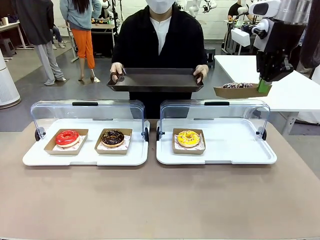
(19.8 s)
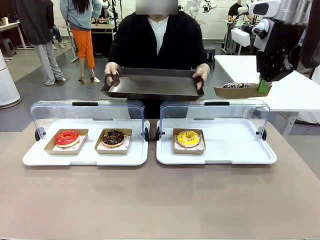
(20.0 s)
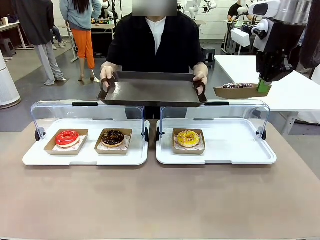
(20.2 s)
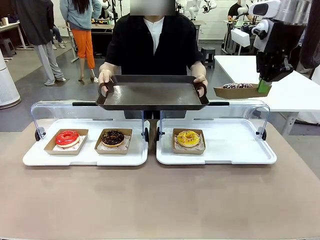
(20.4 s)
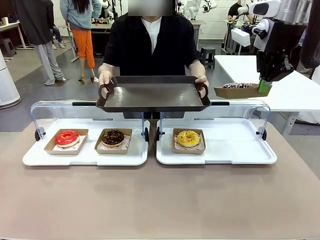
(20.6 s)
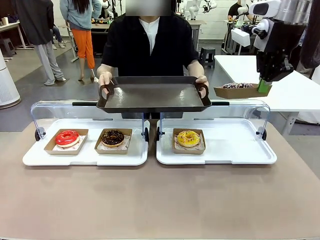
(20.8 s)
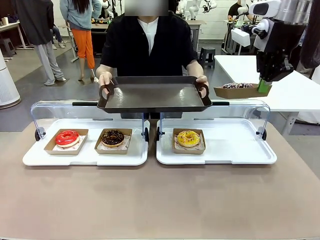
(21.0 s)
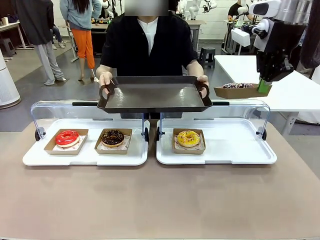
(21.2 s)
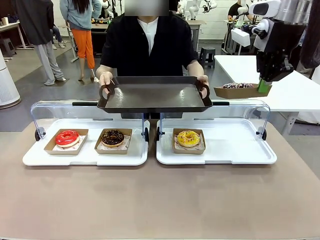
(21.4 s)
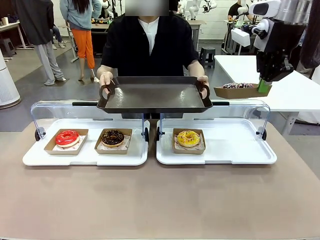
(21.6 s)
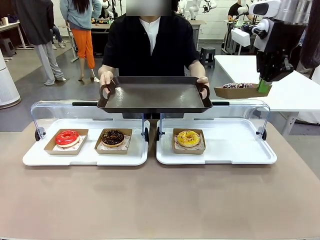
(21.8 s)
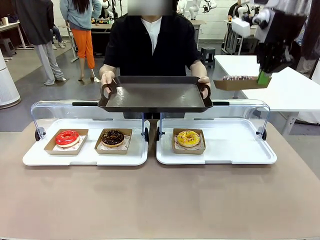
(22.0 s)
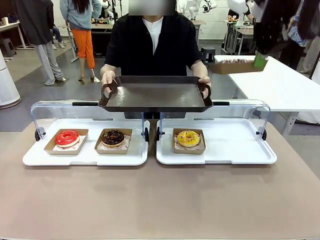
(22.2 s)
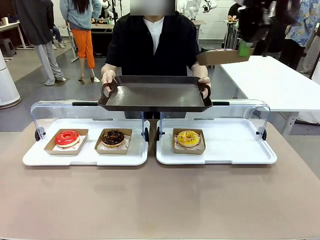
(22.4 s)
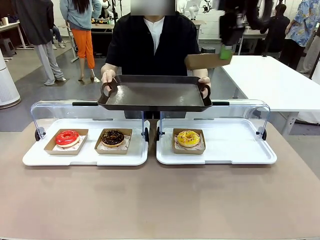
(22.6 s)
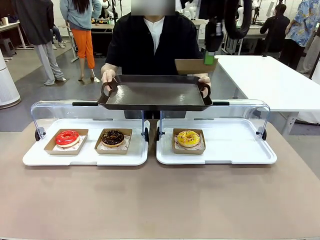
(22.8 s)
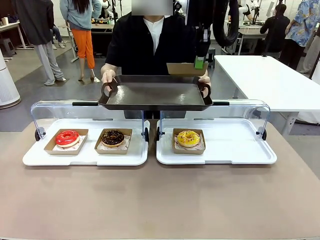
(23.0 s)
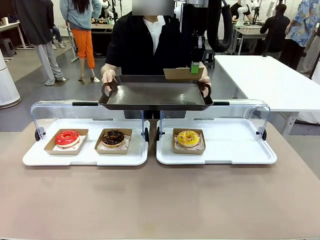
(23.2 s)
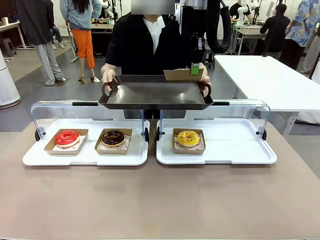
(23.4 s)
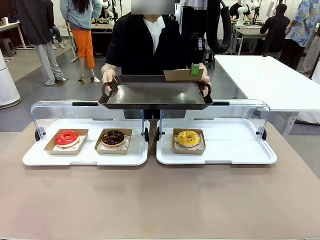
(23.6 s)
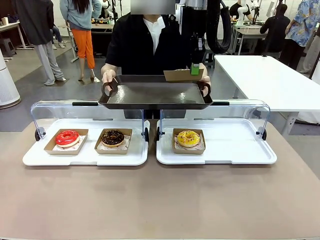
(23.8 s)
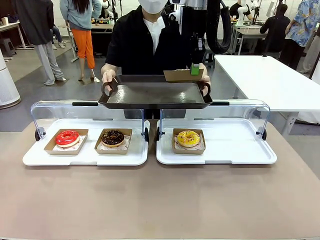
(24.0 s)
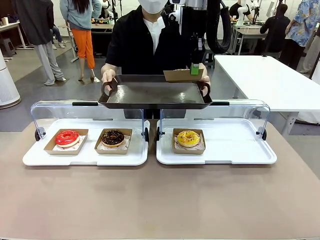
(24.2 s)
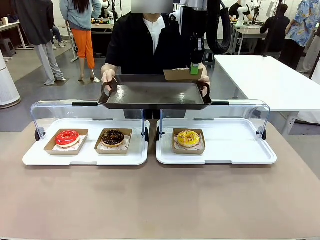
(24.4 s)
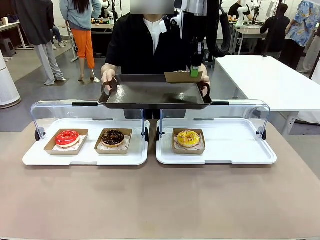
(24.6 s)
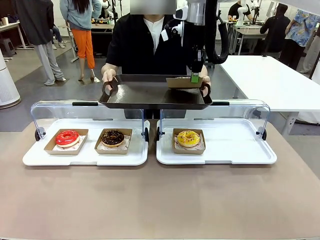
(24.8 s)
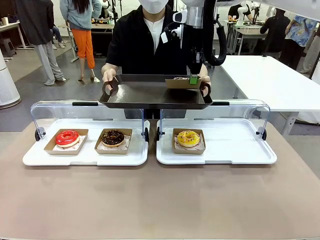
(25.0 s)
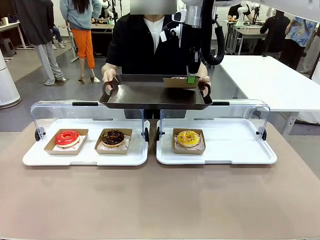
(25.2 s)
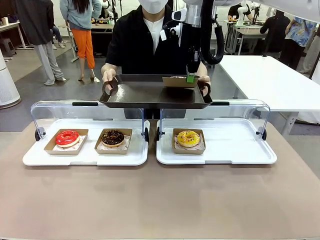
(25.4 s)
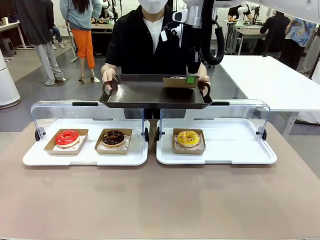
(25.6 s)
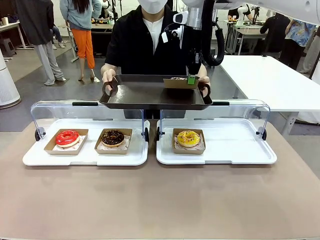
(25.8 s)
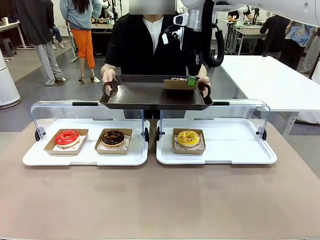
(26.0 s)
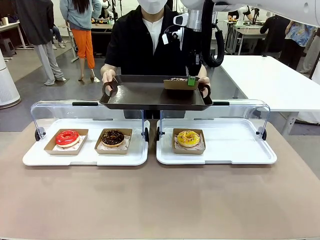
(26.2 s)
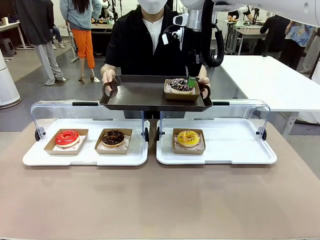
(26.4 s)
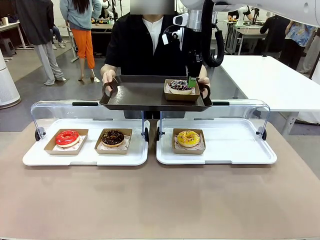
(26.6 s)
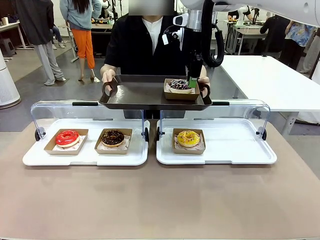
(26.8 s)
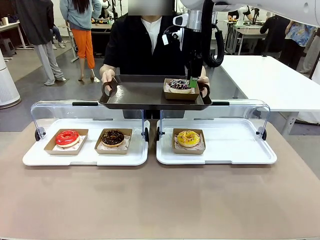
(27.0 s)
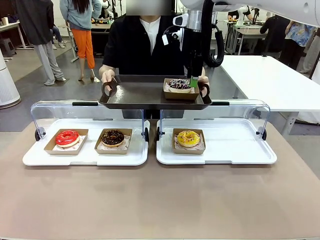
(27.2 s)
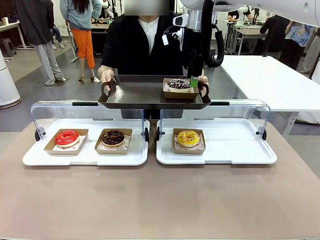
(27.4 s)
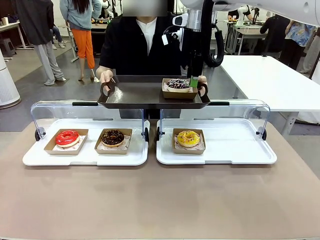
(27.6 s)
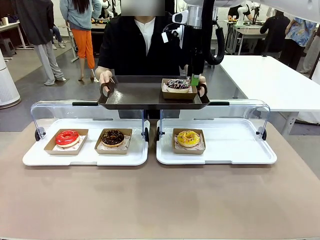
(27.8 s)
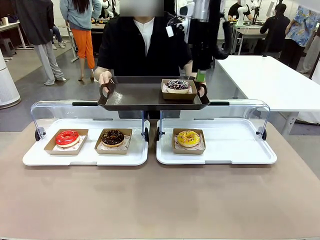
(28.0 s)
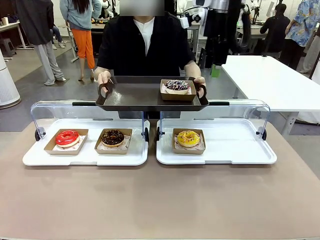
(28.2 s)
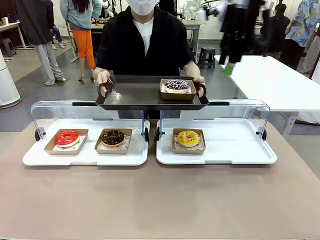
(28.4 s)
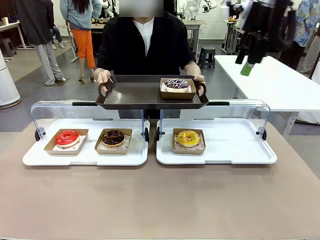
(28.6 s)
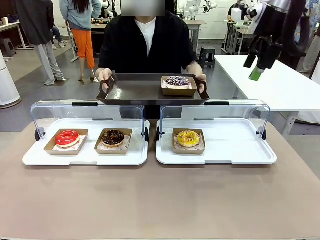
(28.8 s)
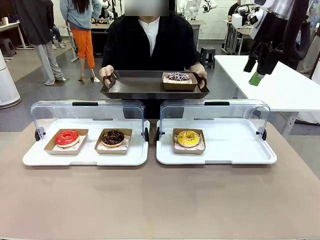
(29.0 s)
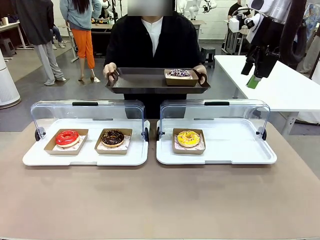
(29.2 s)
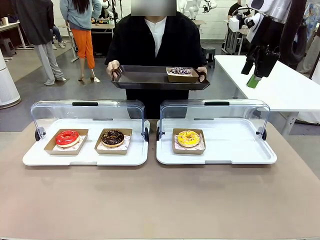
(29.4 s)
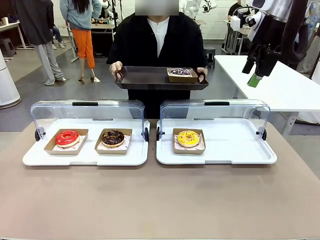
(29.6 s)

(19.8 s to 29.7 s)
Task: Provide the desired donut to the person.
Robot: Place the picked Paper togo box onto the Handle tray extended by the person.
